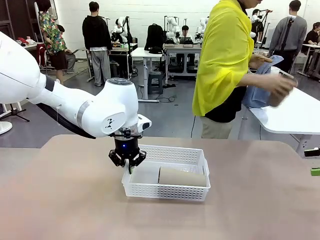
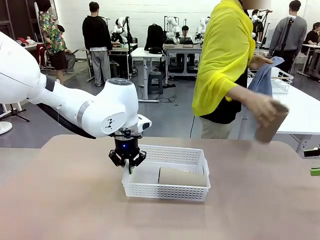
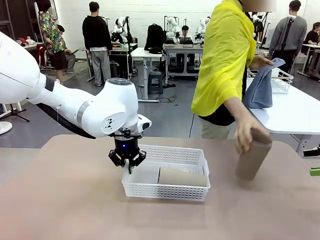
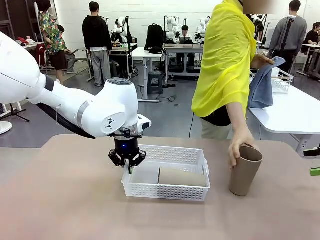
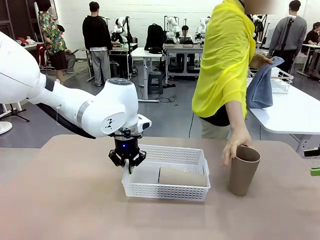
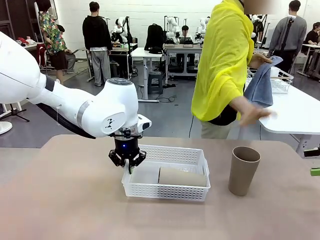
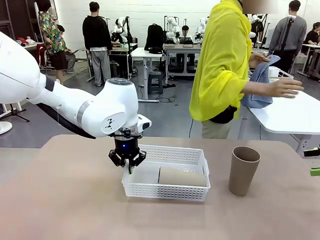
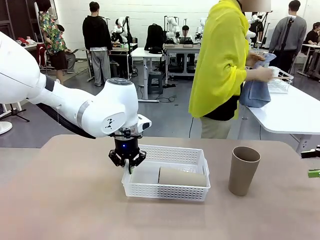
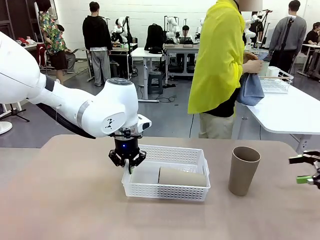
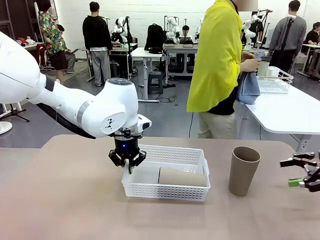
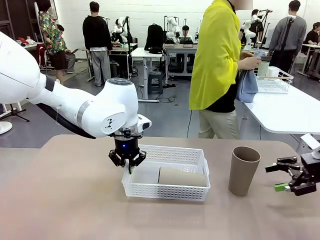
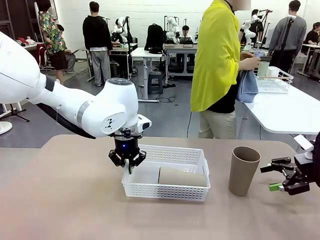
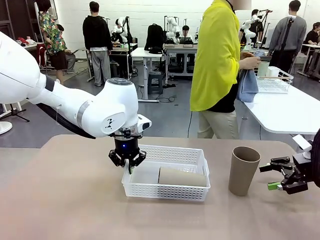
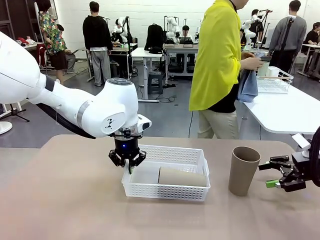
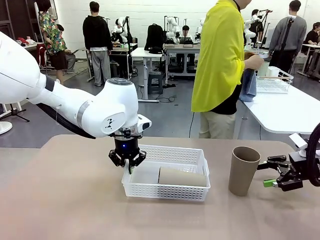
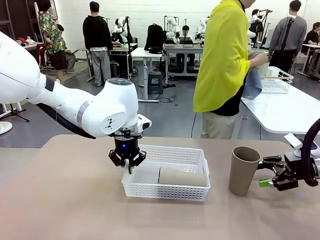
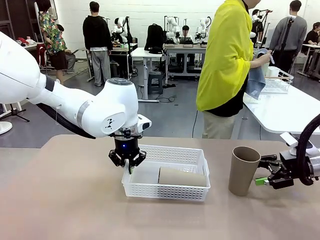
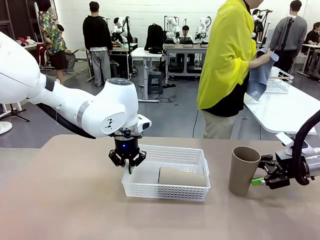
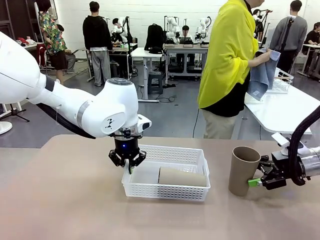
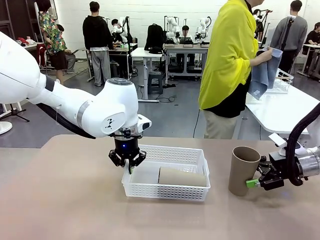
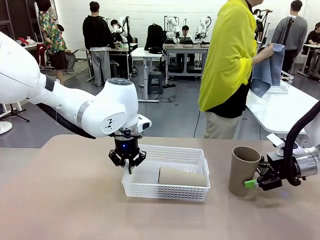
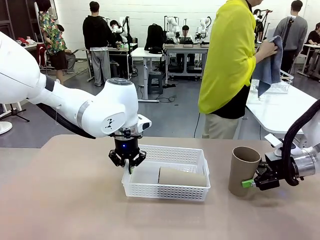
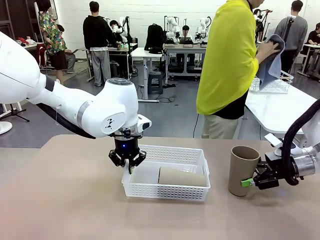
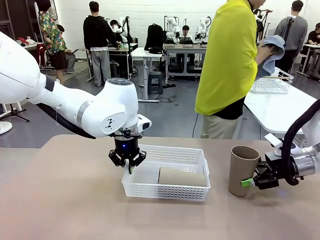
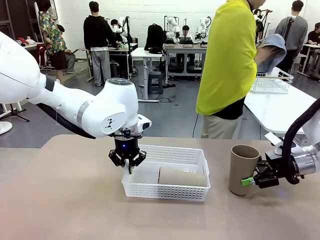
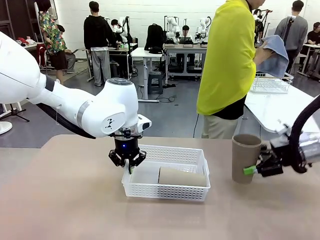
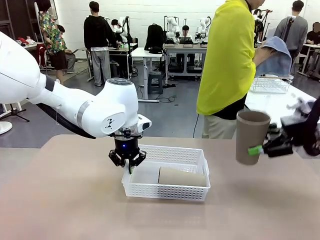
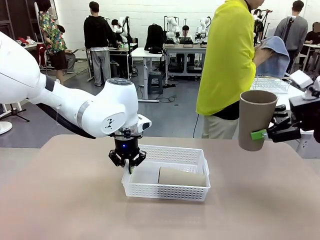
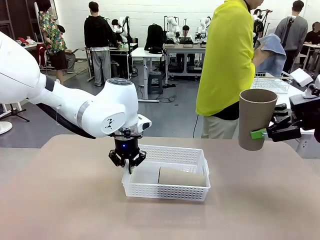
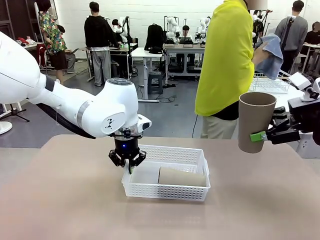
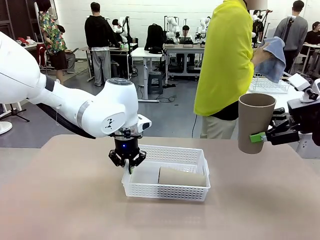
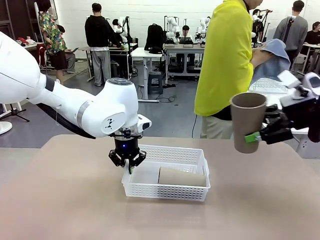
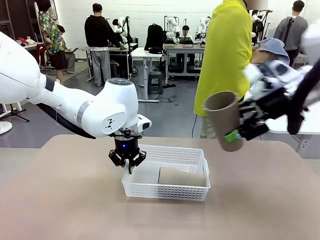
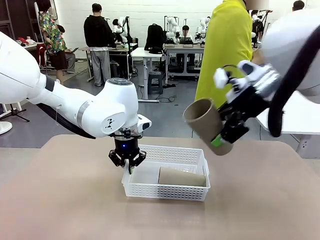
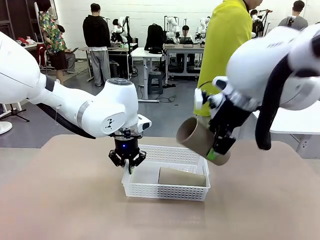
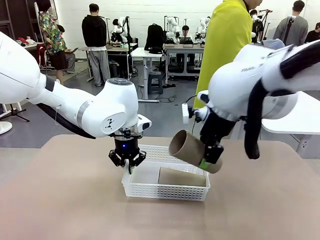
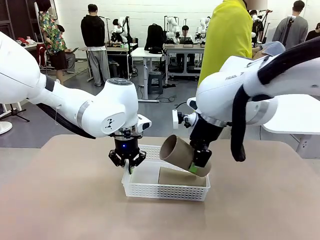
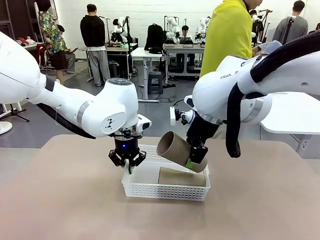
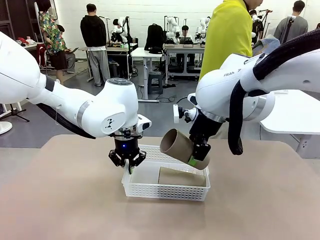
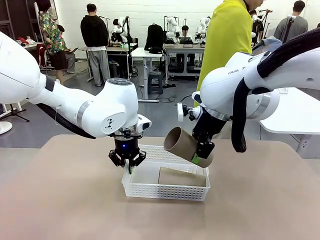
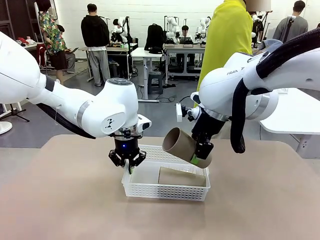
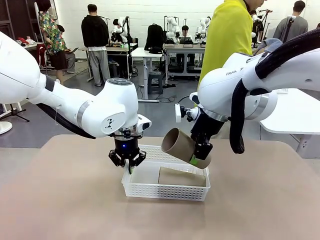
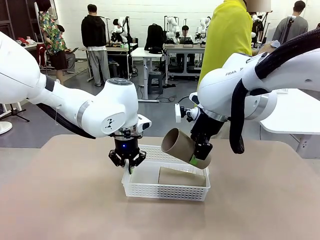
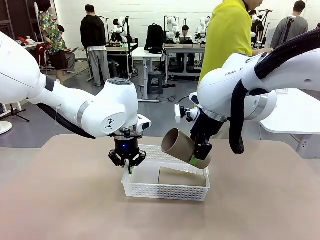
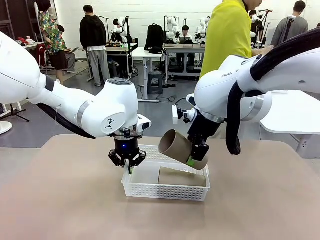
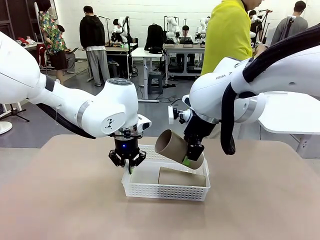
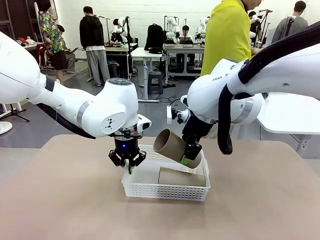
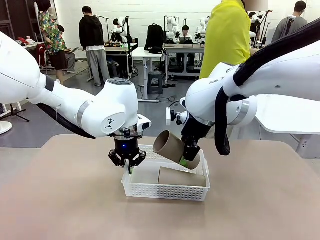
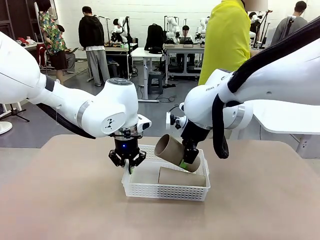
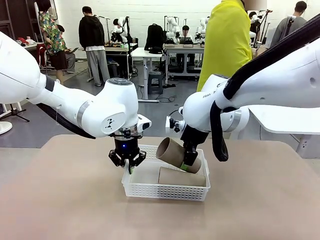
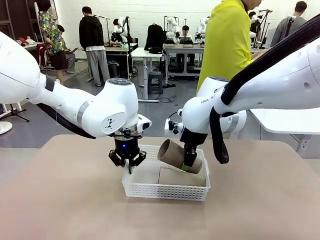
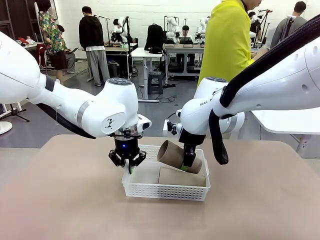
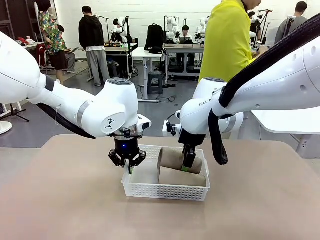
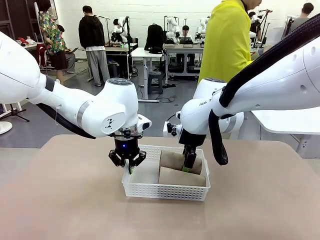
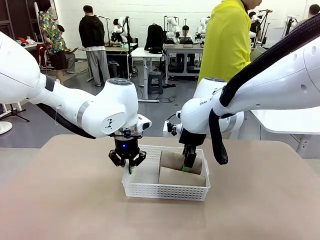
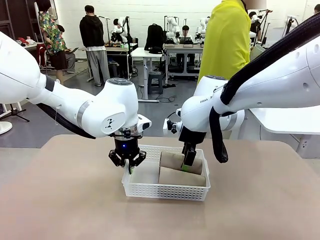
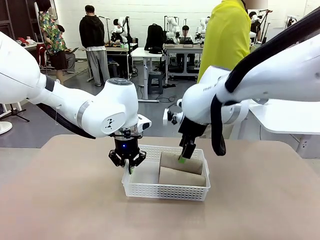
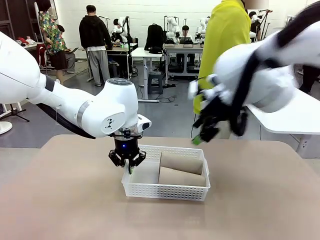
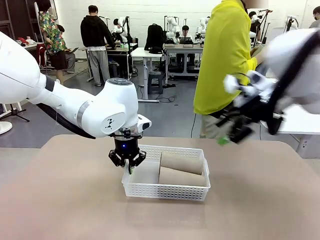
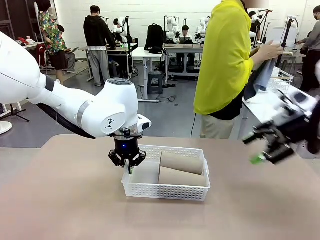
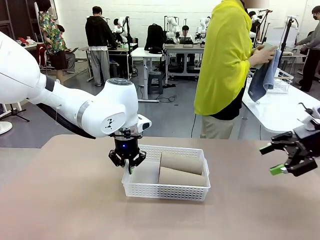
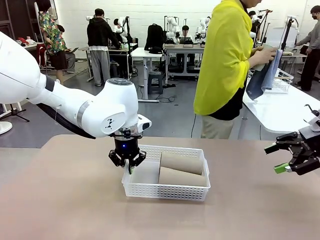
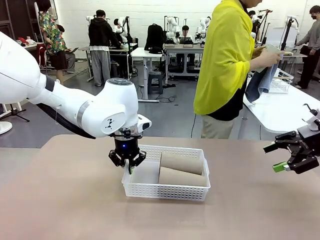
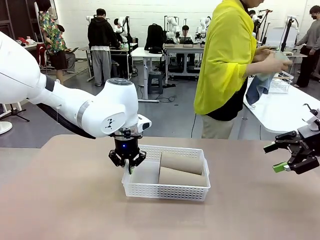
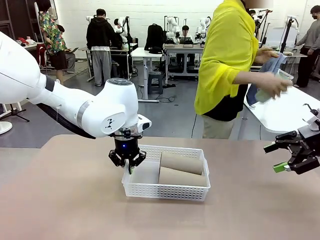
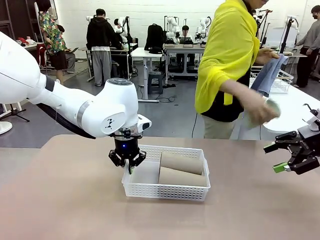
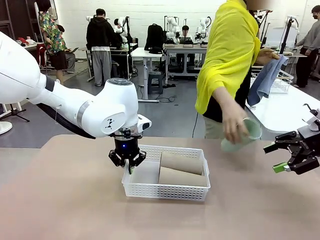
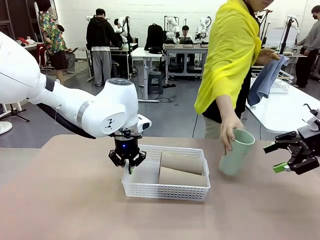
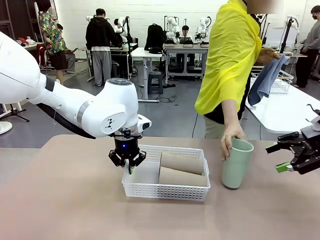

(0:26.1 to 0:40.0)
Task: Clean and organize the cups into the basket.
Robot: Pick up the Reusable plastic cup from the right side of the table and stack it inside the Organizing basket in the center of the table.

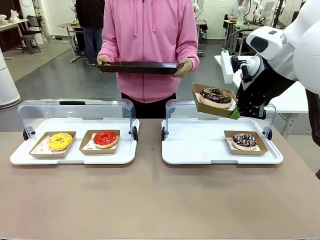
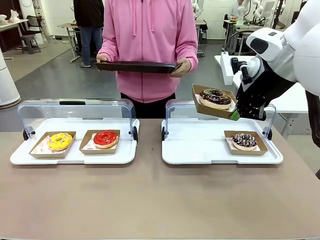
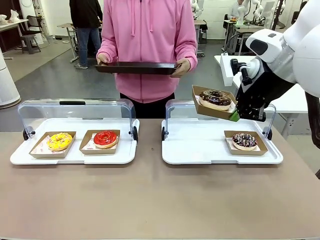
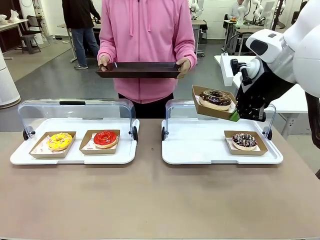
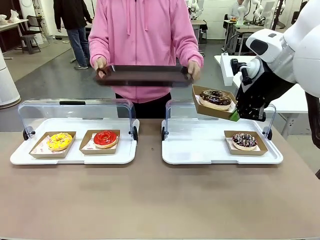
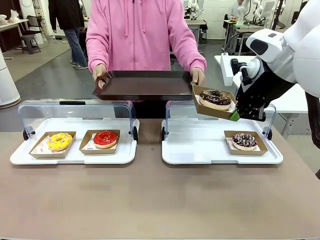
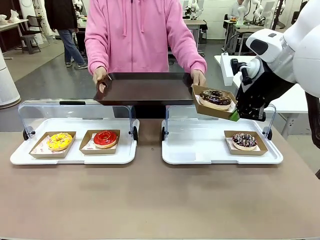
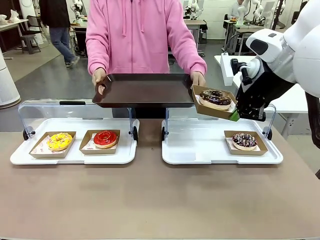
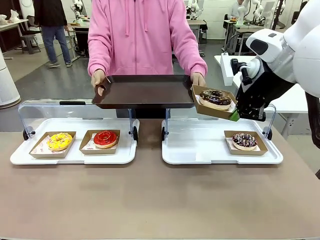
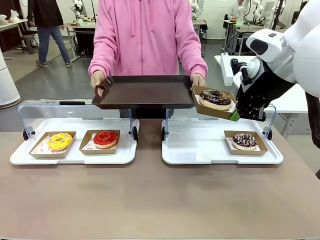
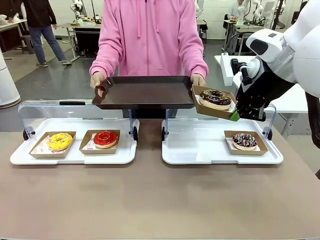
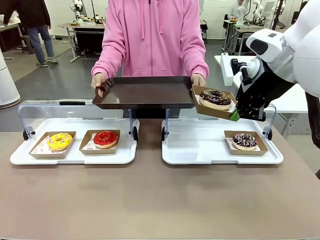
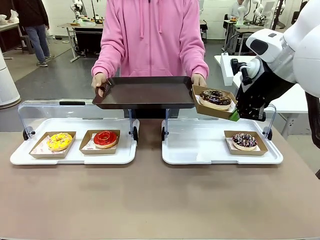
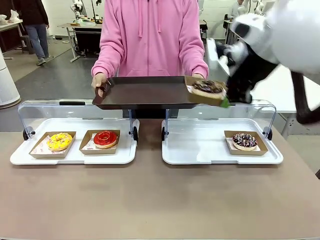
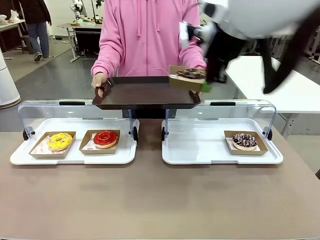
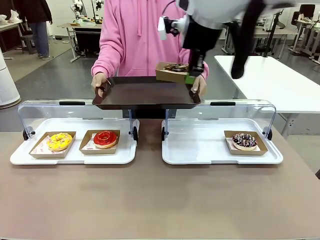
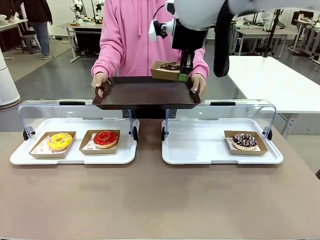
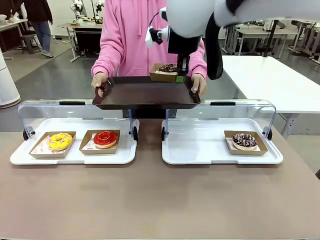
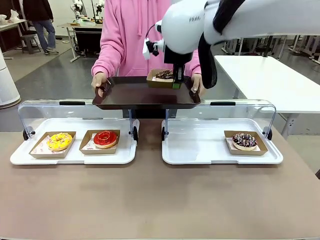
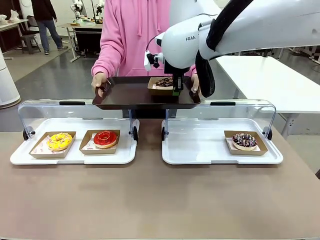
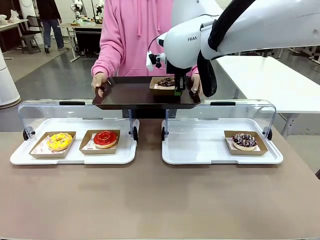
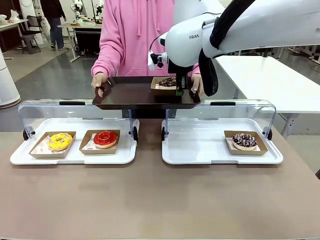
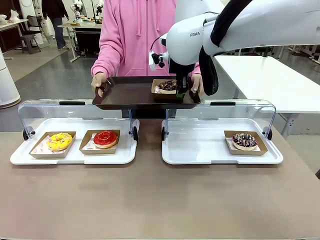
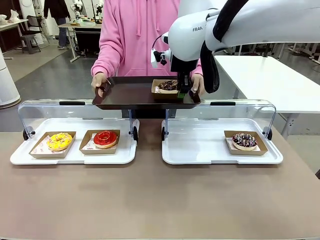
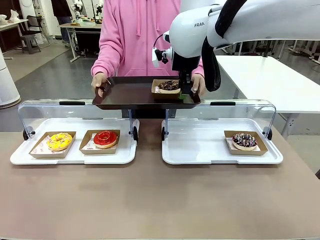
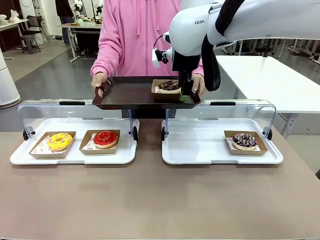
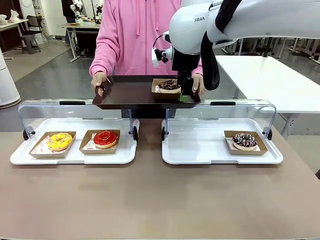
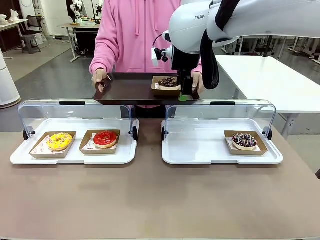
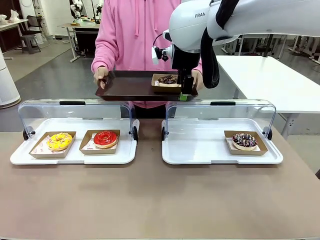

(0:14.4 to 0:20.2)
Task: Provide the desired donut to the person.
Robot: Place the picked Paper togo box onto the Handle tray extended by the person.
